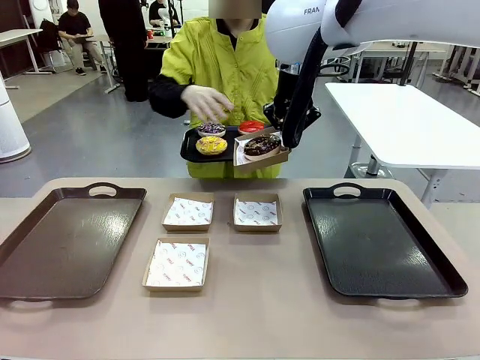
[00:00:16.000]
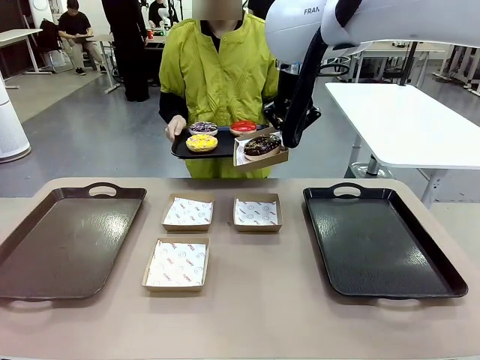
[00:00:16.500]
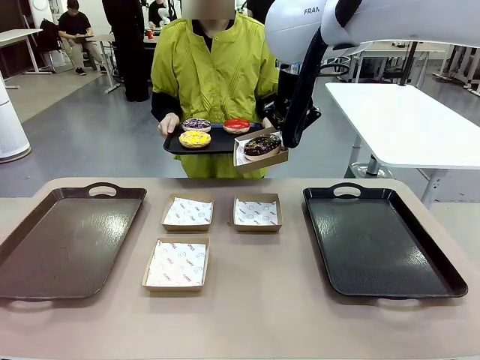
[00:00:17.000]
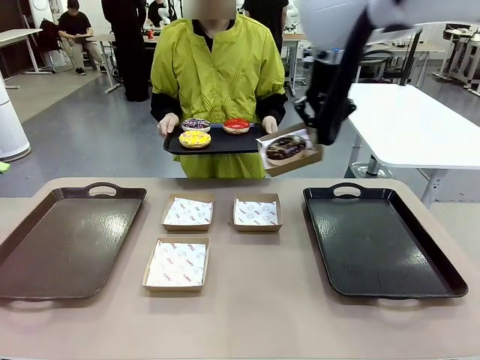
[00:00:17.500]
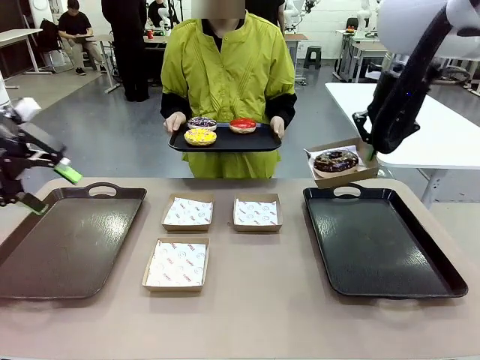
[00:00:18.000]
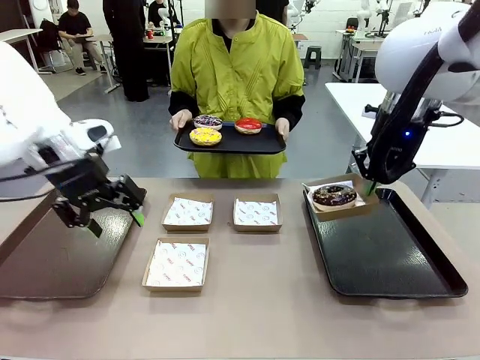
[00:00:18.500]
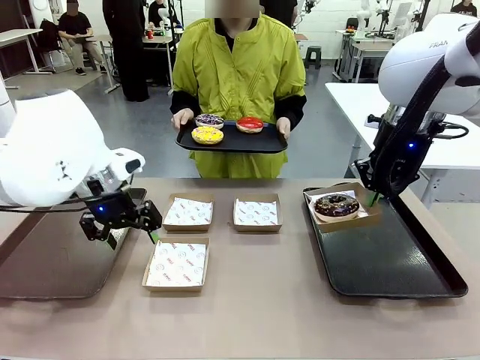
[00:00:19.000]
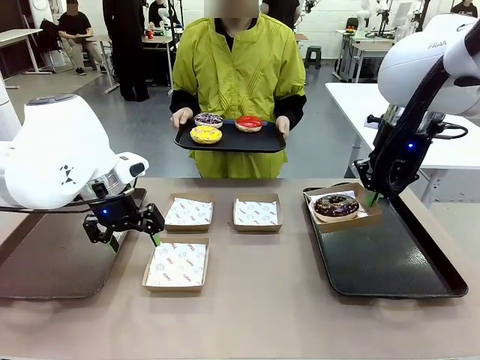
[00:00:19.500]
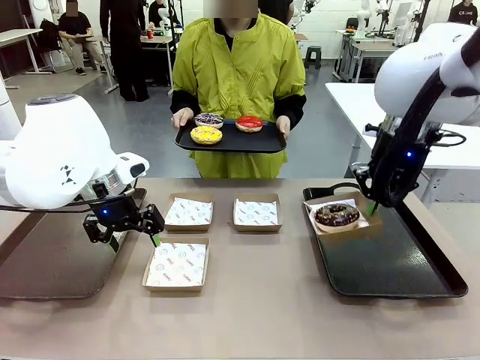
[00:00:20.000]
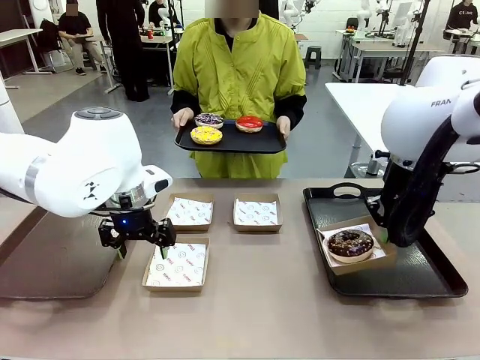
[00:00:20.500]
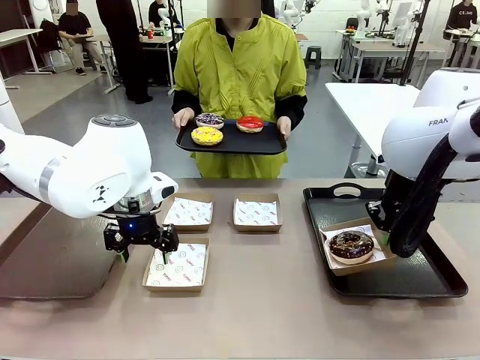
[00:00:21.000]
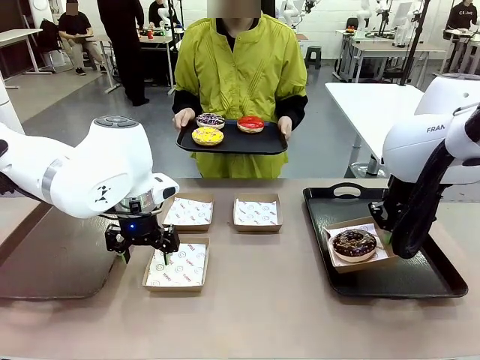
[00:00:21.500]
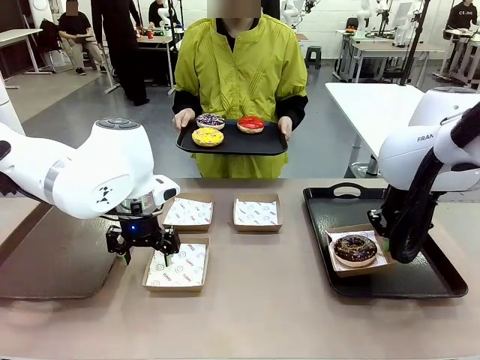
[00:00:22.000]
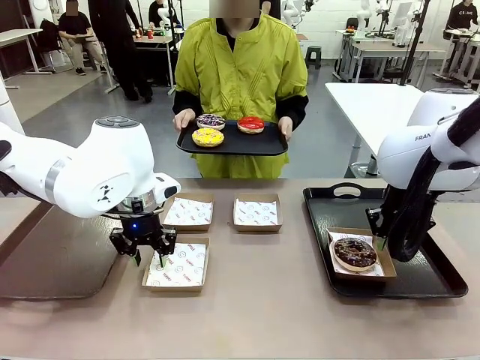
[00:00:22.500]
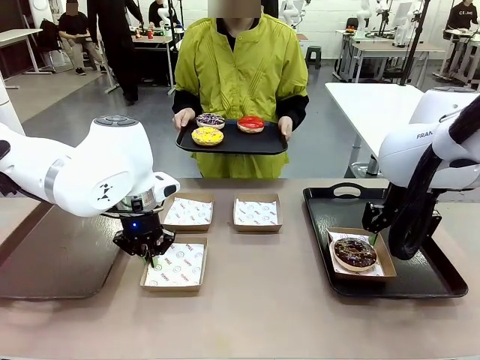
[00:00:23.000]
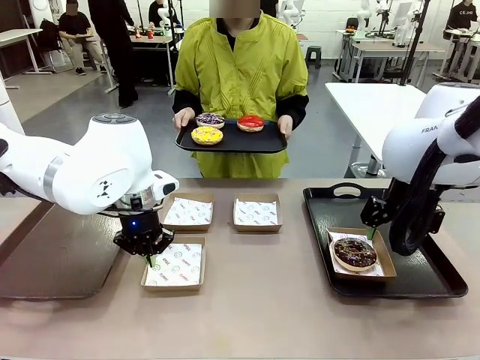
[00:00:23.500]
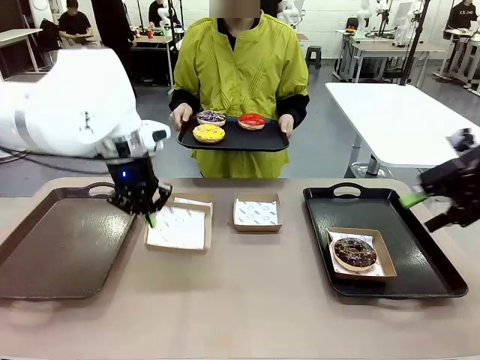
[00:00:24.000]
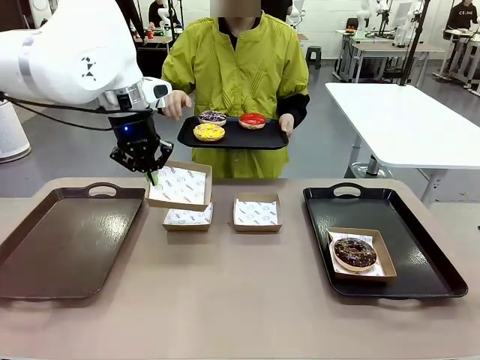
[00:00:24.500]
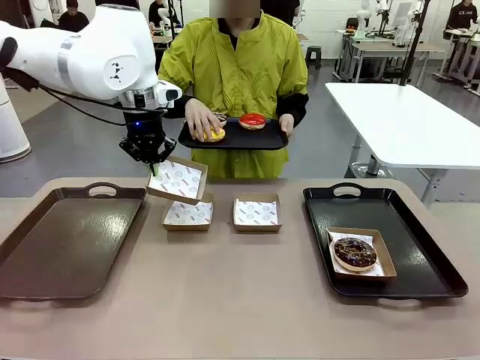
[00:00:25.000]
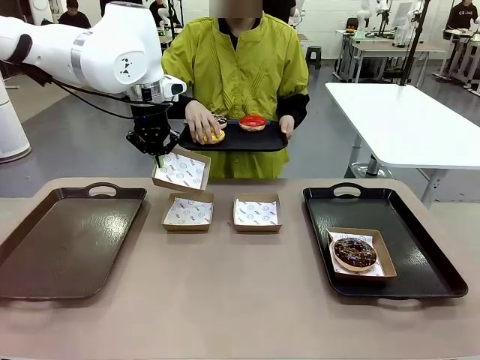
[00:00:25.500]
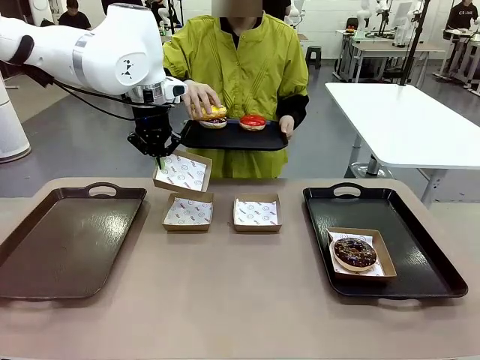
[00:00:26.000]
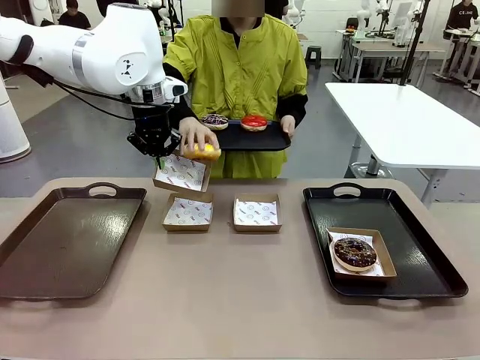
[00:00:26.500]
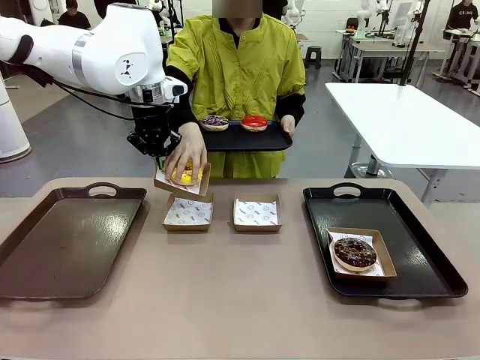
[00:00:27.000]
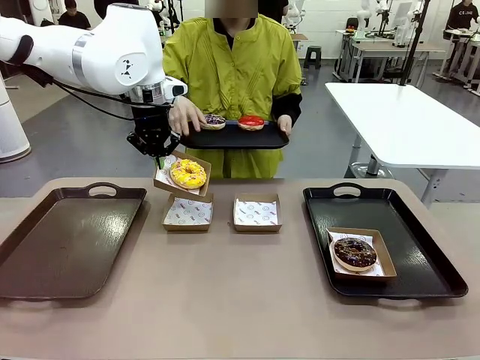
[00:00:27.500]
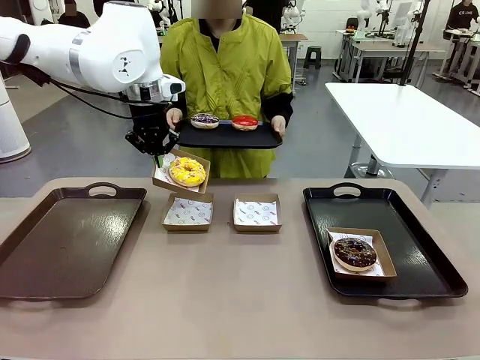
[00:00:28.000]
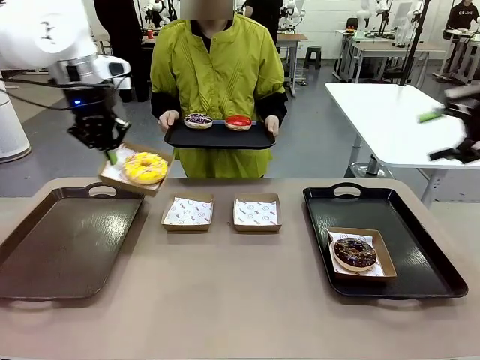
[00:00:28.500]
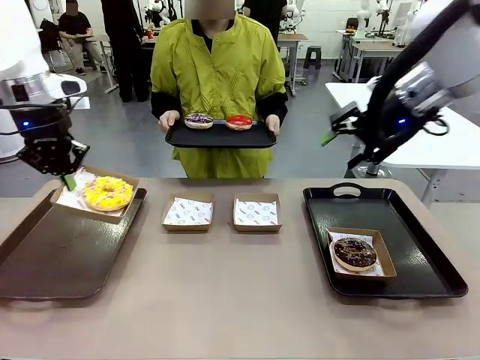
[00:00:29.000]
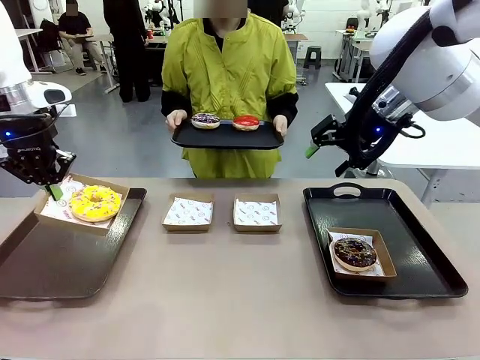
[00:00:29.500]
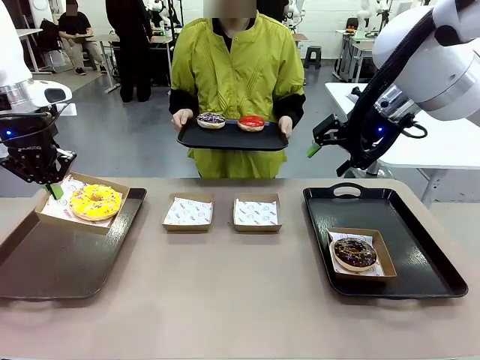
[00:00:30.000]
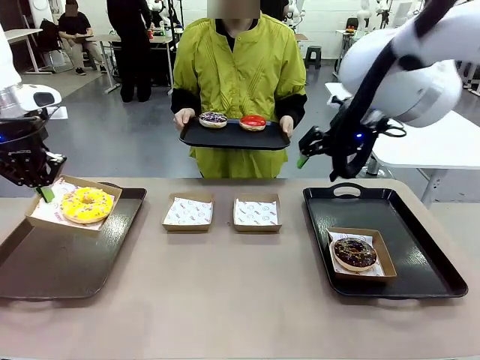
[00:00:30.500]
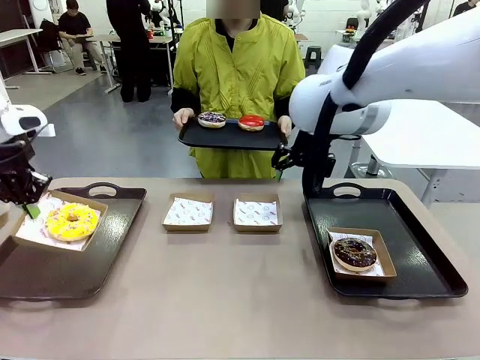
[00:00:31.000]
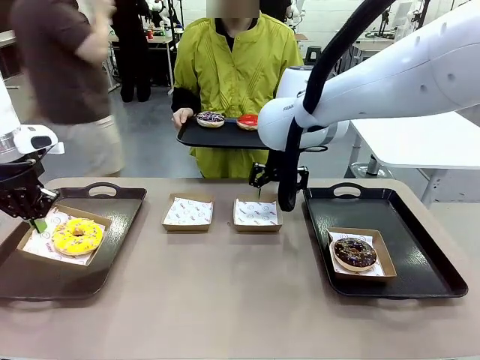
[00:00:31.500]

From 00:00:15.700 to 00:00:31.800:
Task: Individually package the donuts and arrange them on the tray.
Robot: Place the picked Paper togo box on the Handle tray while simultaneously picking up another Paper togo box from the table with the other hand.
